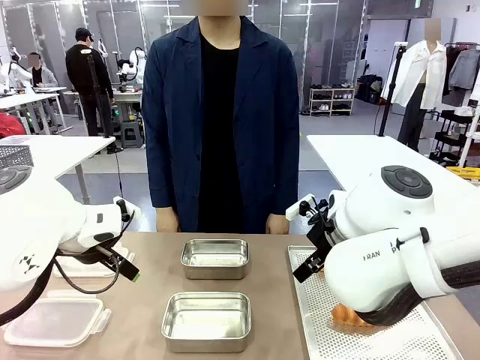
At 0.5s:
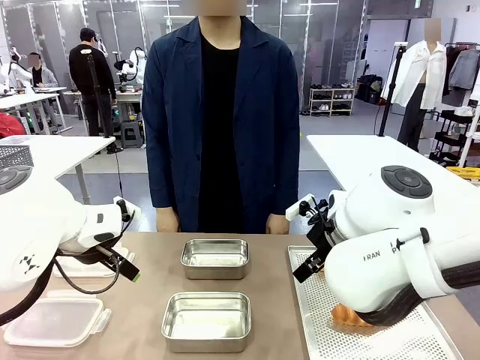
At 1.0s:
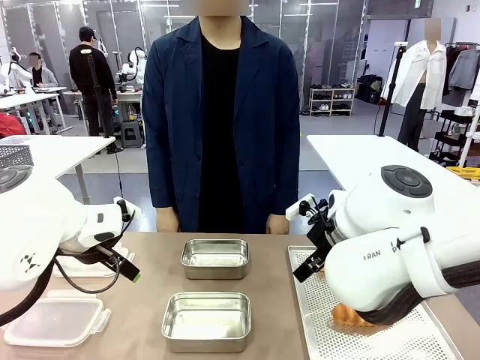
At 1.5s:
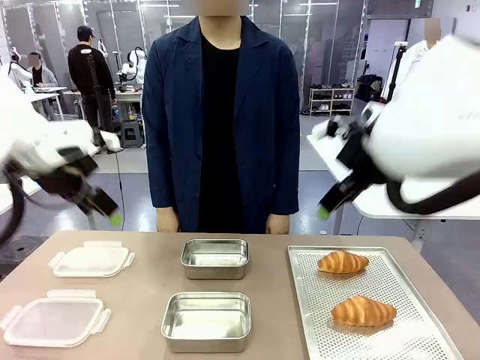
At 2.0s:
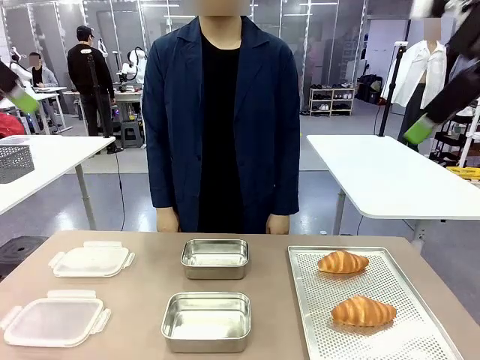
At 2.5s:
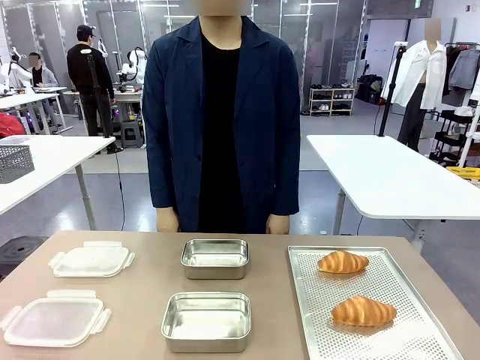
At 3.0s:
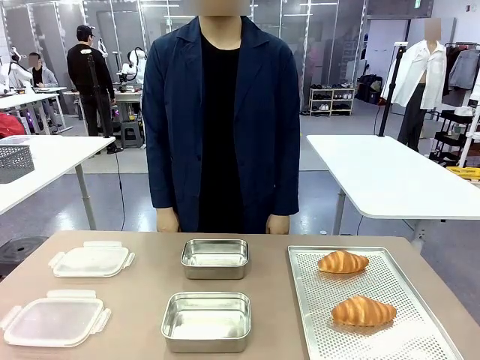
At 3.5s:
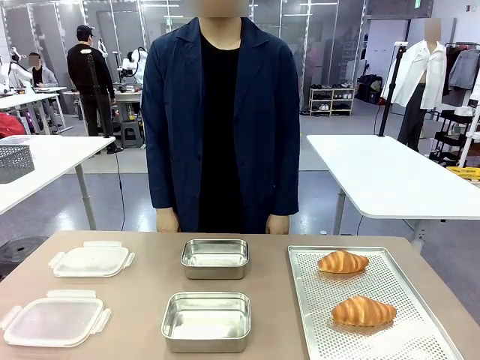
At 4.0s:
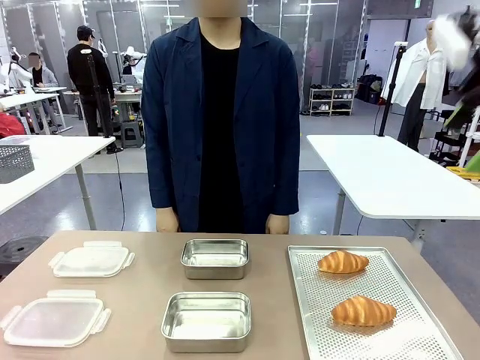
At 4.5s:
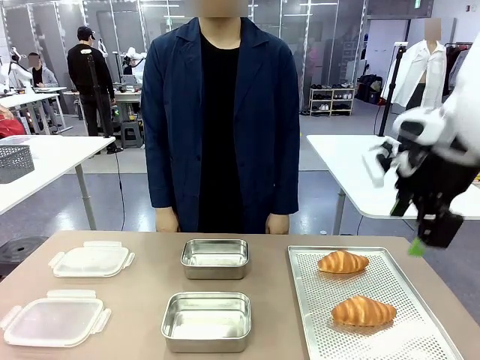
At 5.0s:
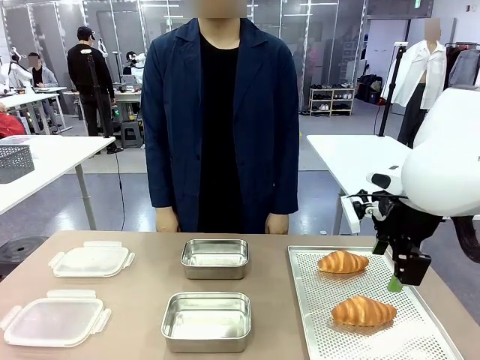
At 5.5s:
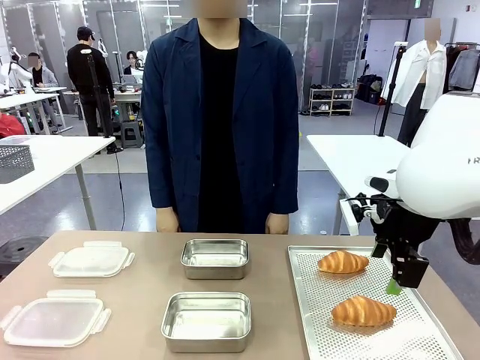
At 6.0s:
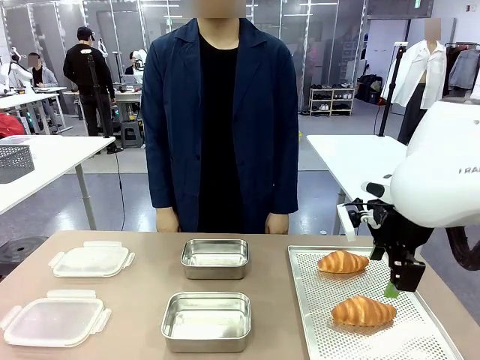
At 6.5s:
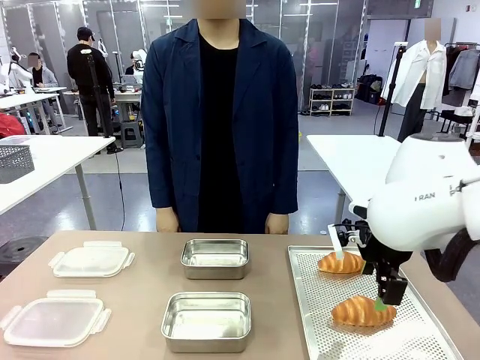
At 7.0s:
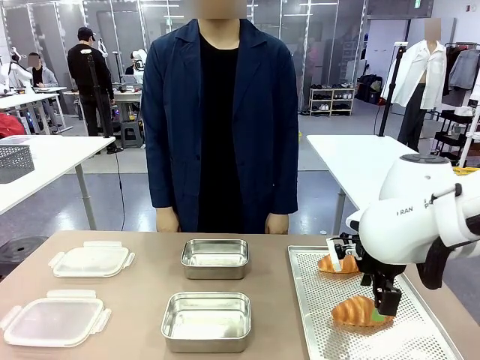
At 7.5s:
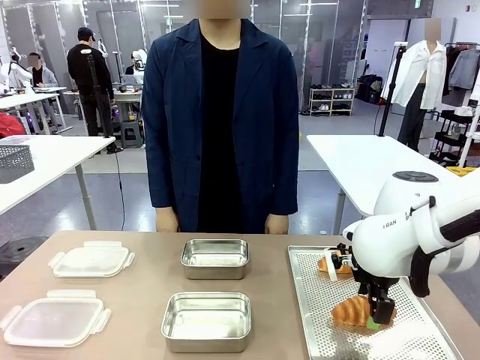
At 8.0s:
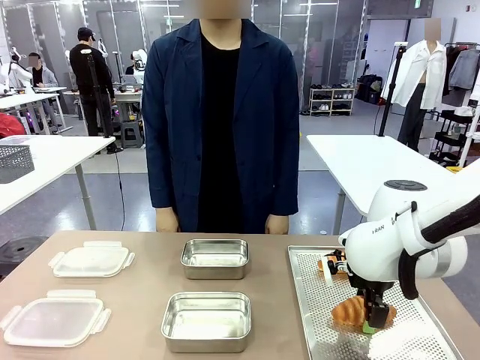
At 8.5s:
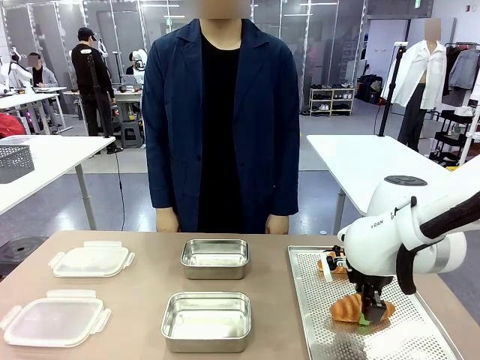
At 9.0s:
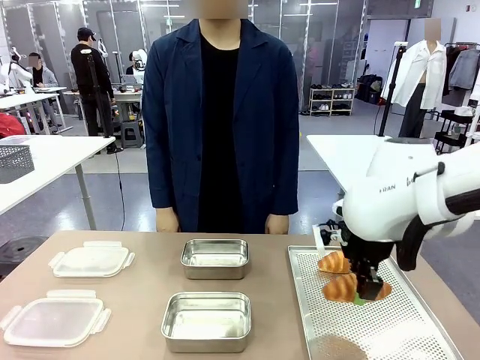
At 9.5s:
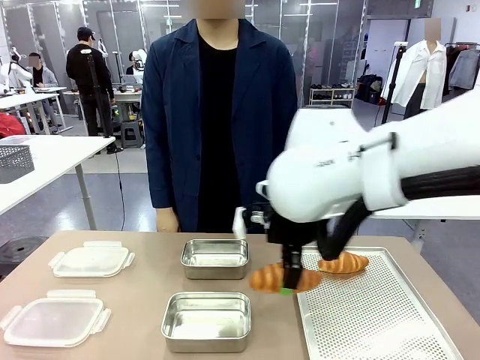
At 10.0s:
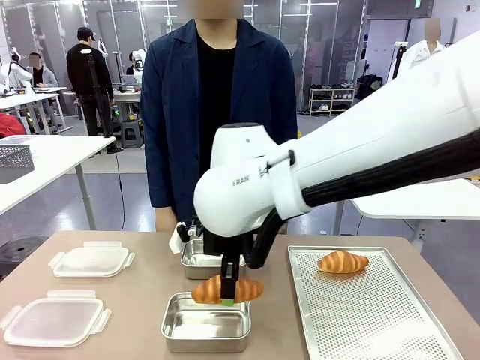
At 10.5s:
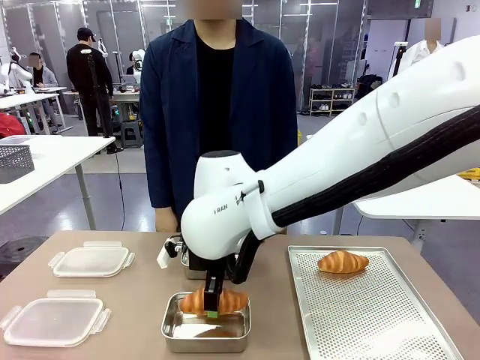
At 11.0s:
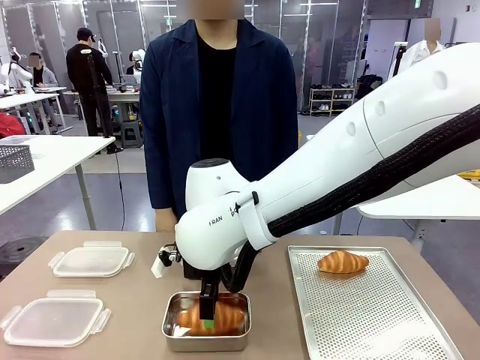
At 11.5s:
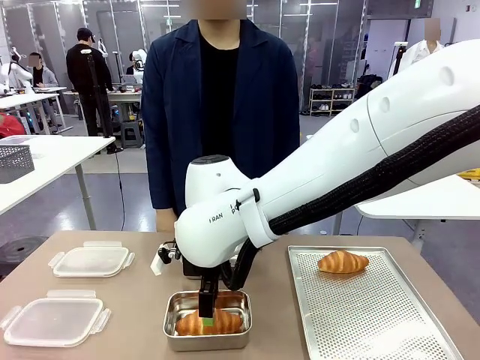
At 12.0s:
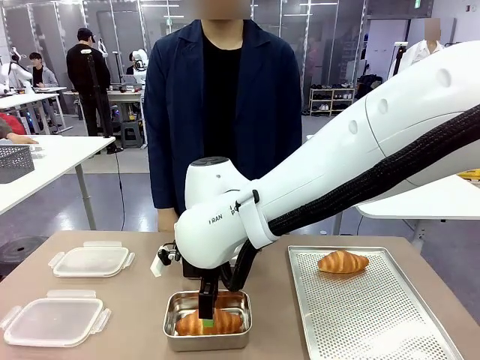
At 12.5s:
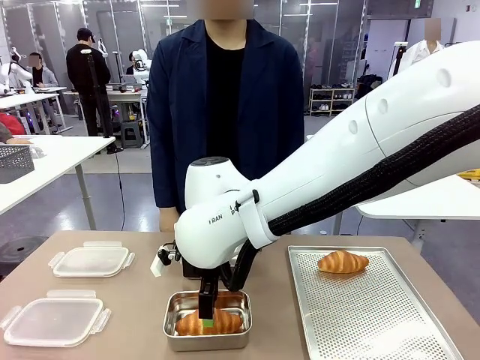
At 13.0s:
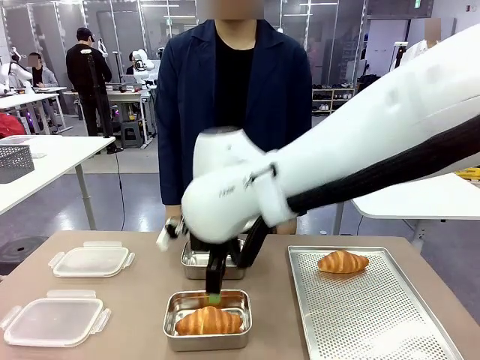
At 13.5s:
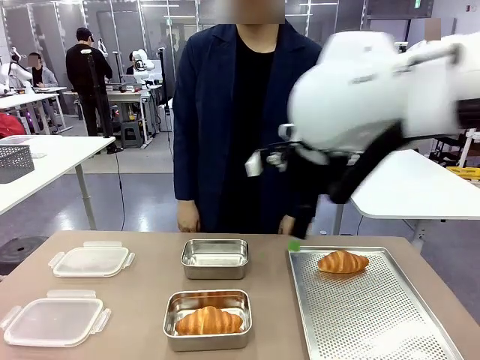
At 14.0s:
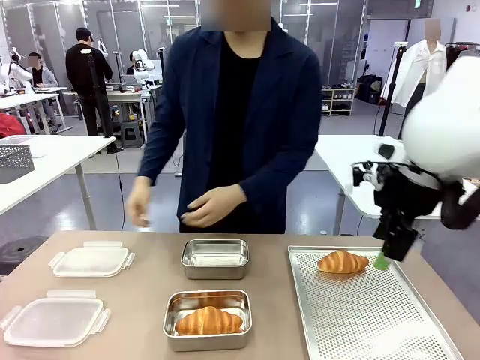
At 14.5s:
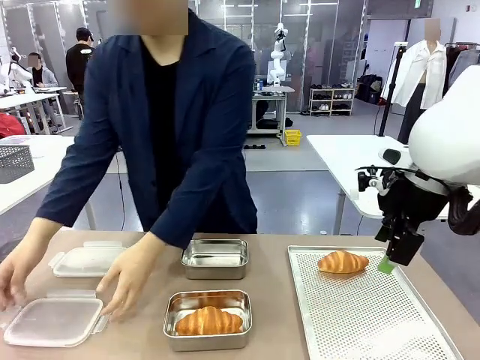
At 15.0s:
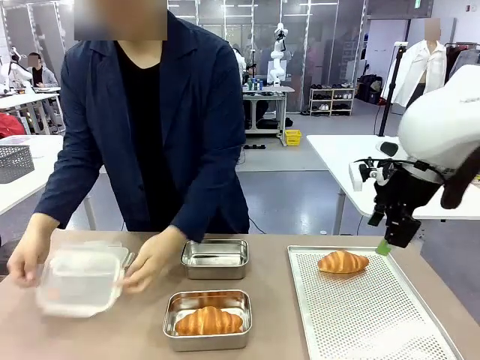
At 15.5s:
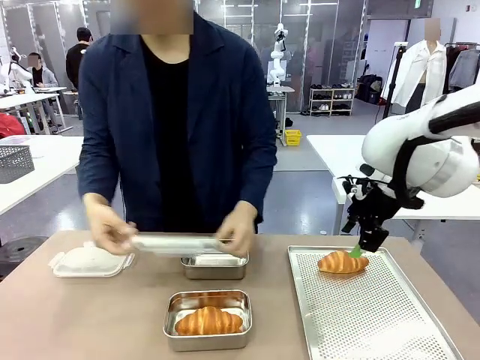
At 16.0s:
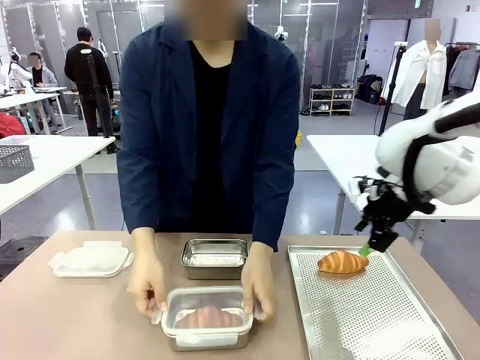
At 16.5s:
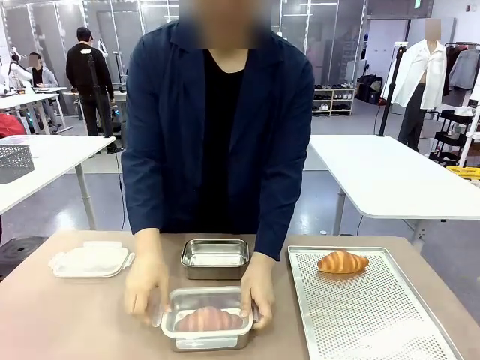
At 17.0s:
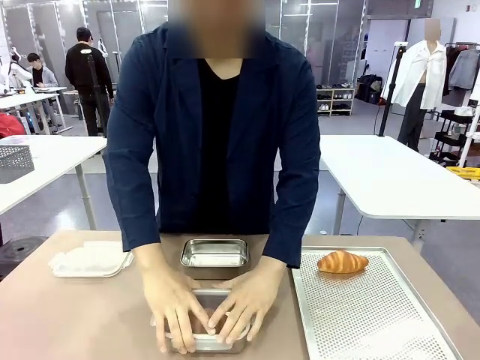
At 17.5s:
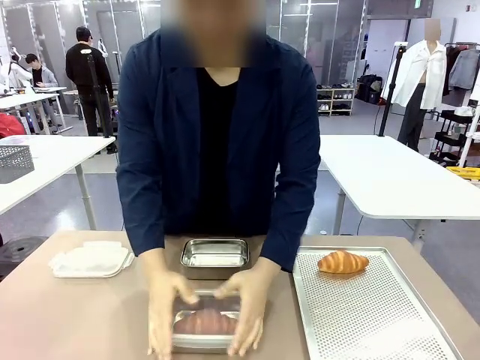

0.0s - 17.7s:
Task: Place the bread into the airtight container.
Robot: Pick up a Butter Roll and place it into an empty Airtight Container.
